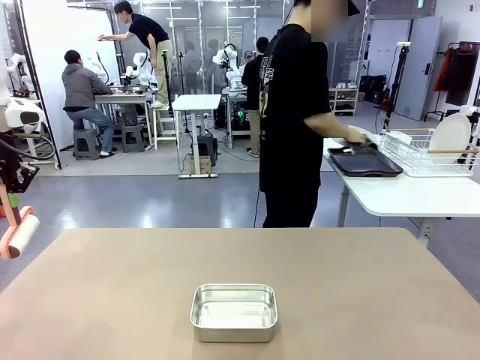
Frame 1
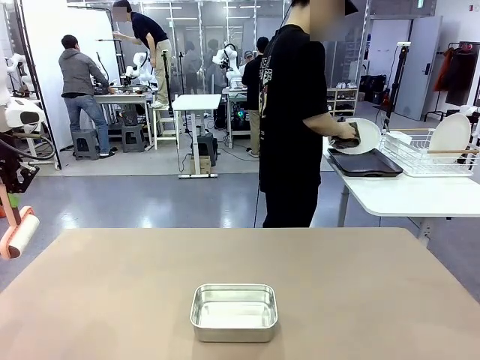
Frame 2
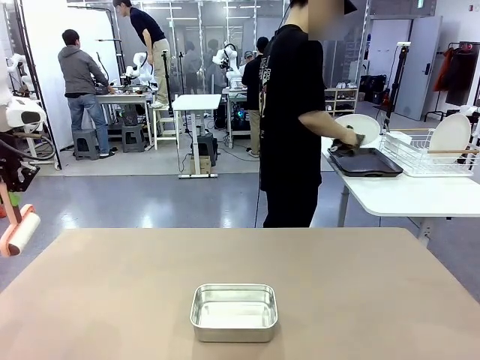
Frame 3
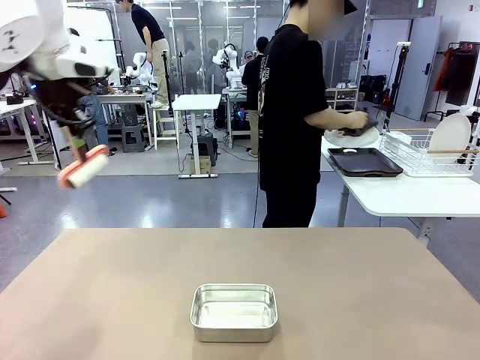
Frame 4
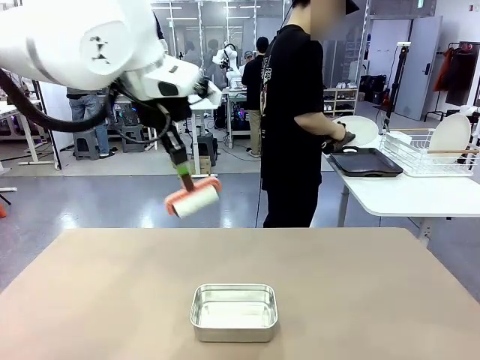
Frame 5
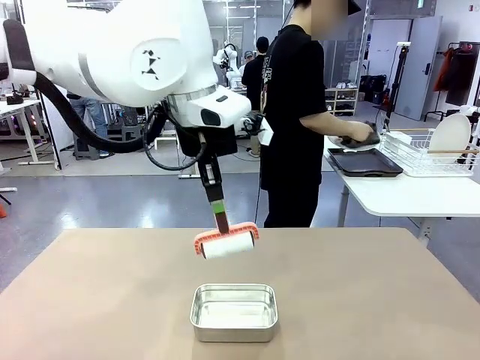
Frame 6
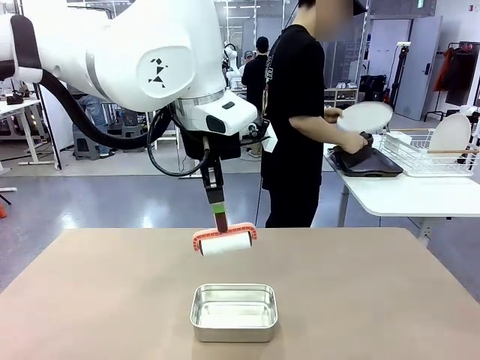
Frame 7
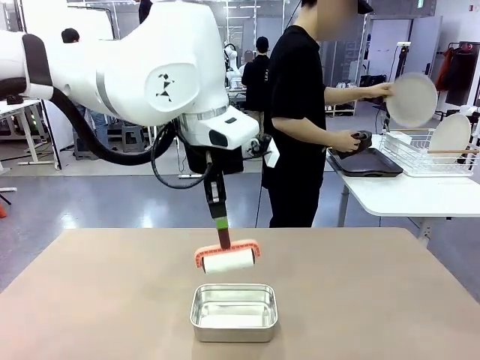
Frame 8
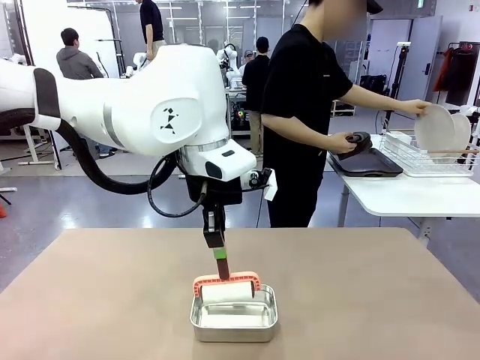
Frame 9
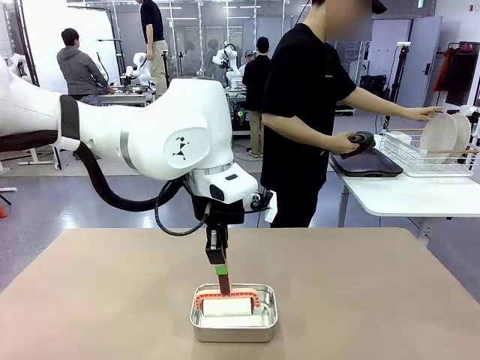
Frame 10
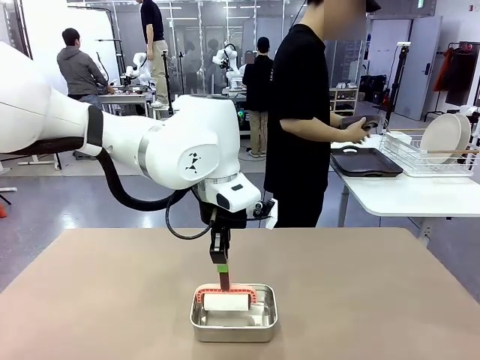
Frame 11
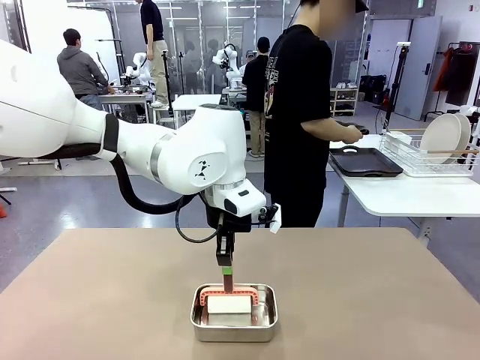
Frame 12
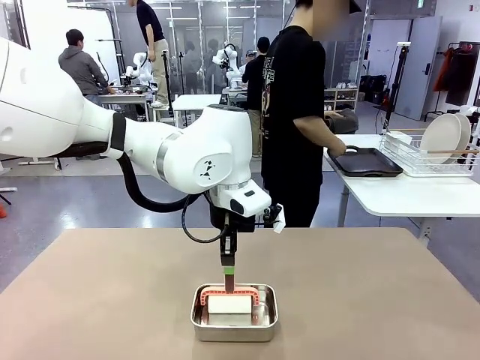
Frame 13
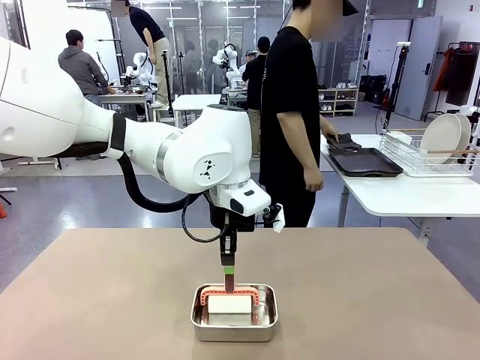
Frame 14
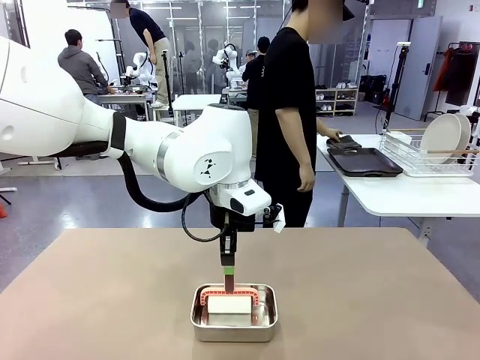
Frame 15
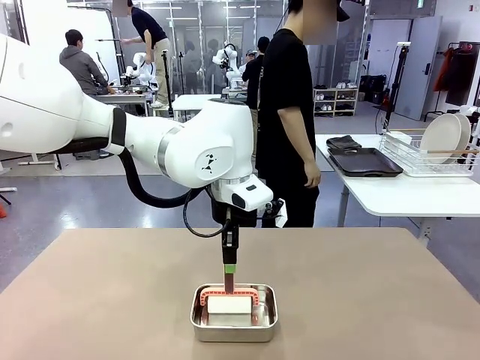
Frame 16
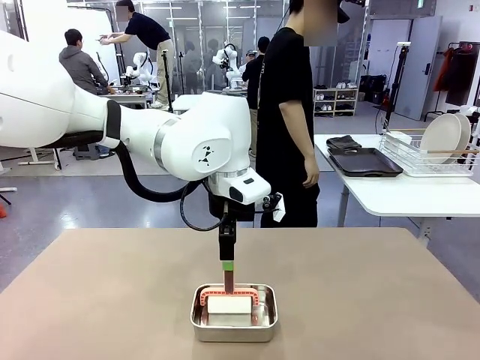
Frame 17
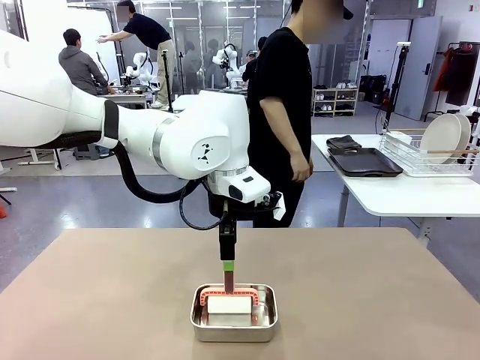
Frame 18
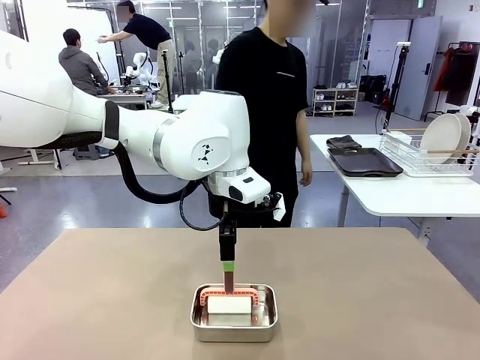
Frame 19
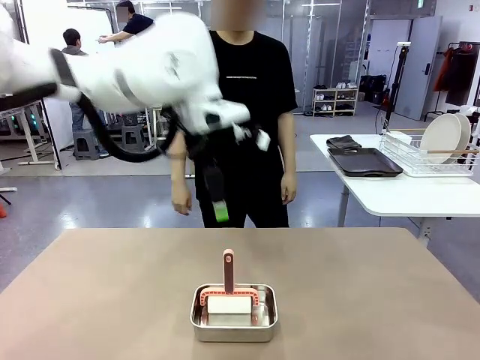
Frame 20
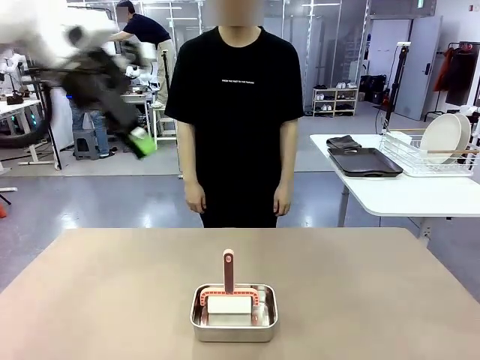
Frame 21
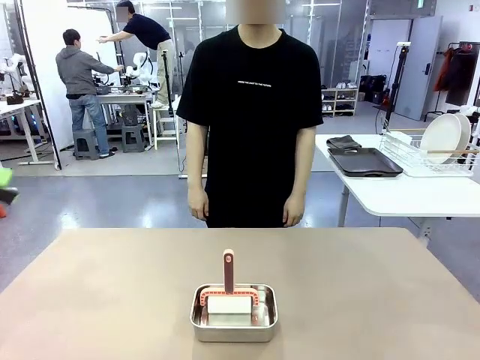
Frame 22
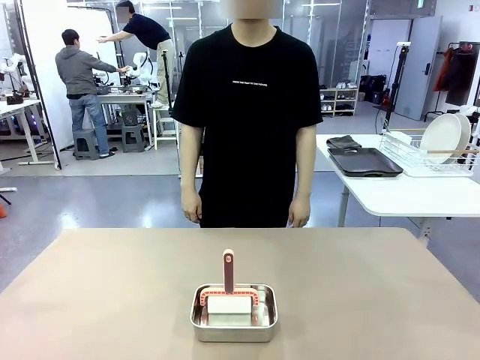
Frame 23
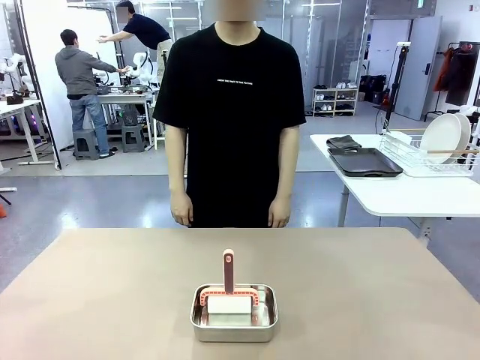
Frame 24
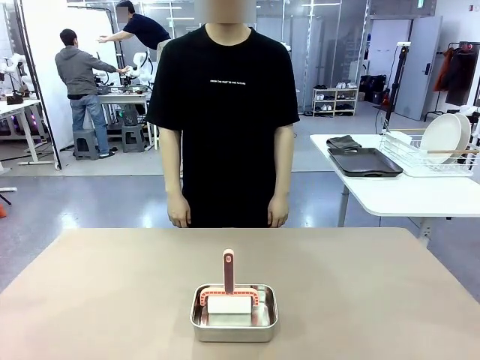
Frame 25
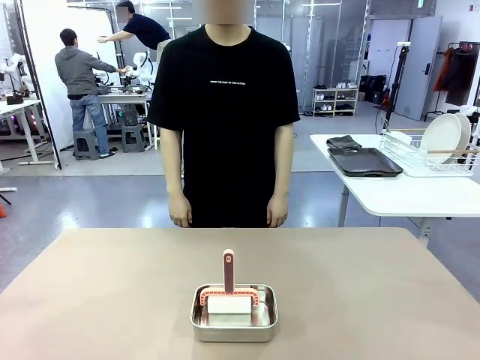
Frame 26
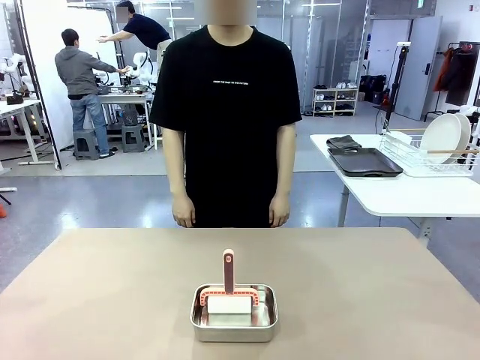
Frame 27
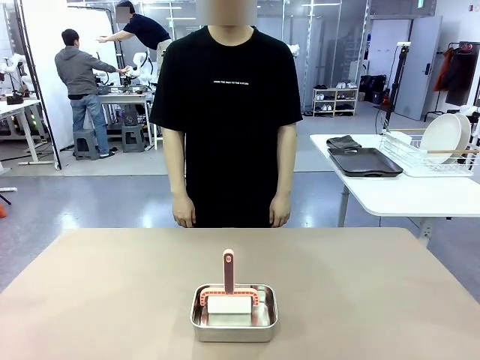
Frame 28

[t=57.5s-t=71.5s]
Robot: Place the Lint Roller back on top of the Airtight Container.
